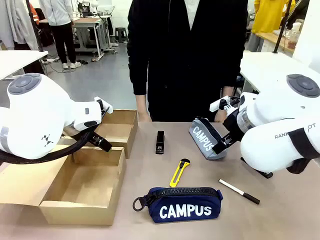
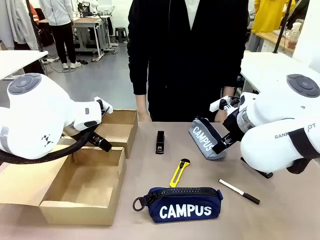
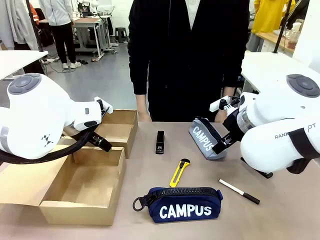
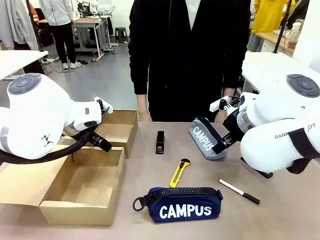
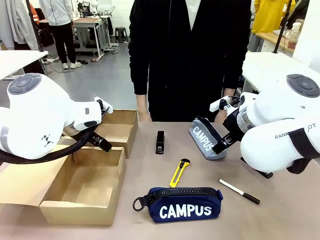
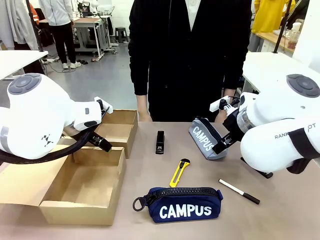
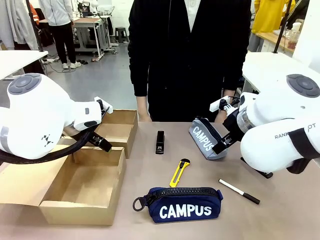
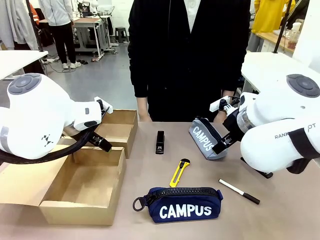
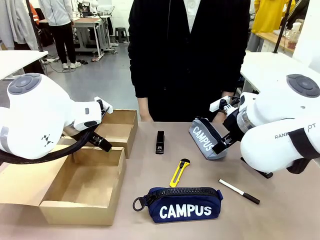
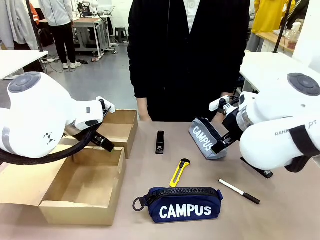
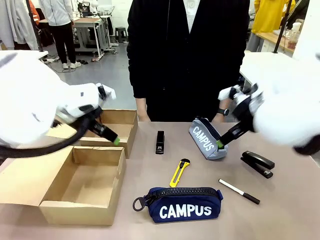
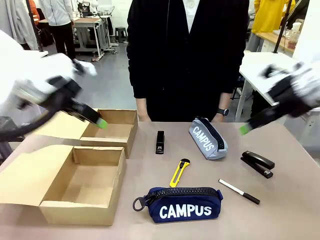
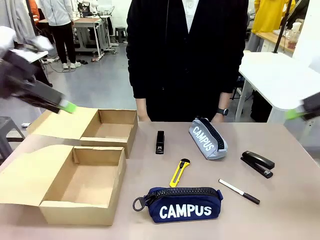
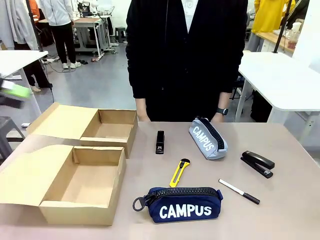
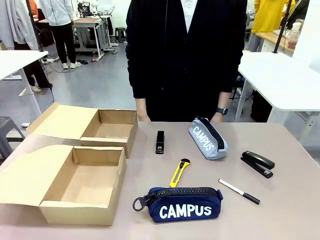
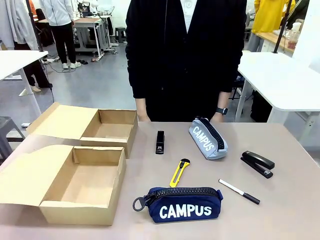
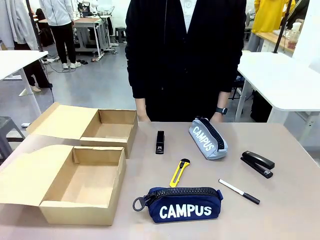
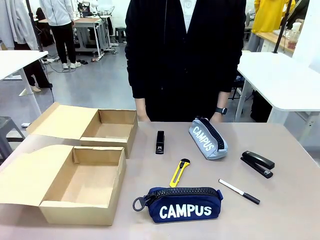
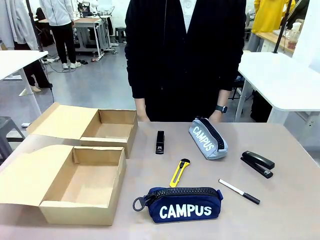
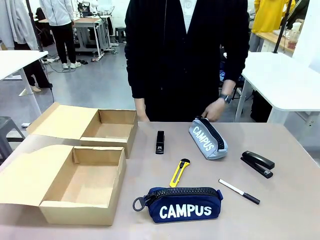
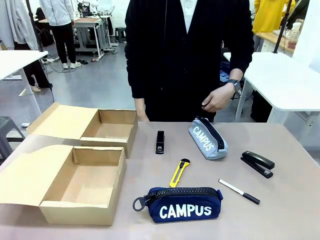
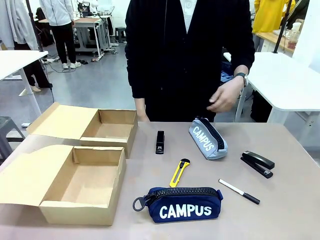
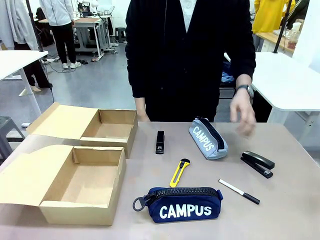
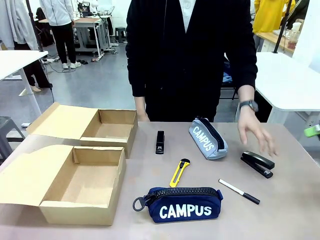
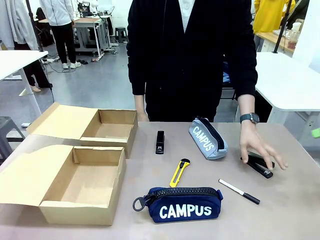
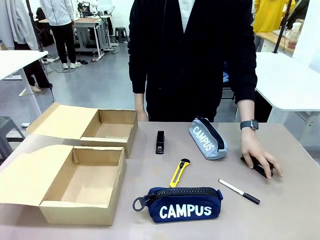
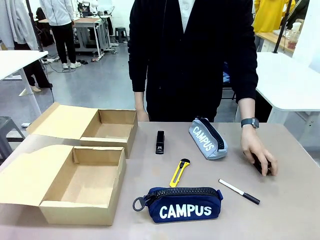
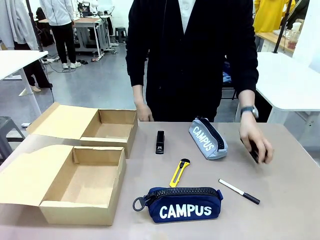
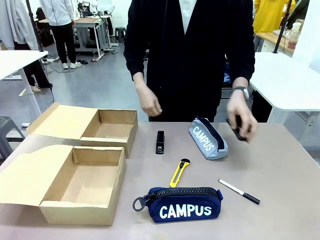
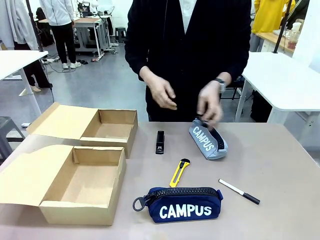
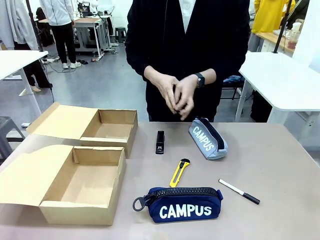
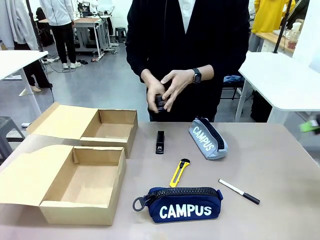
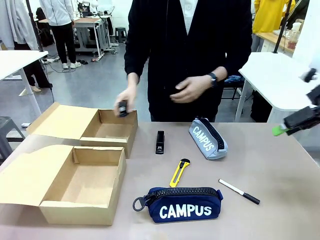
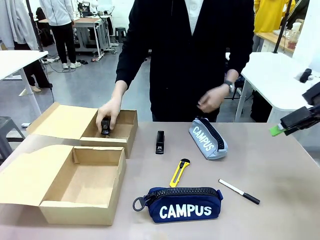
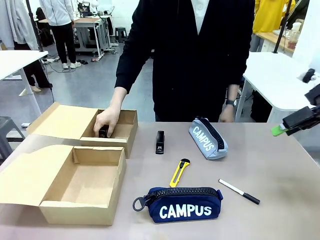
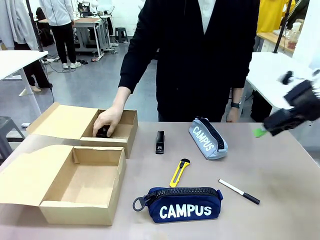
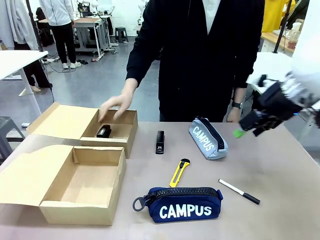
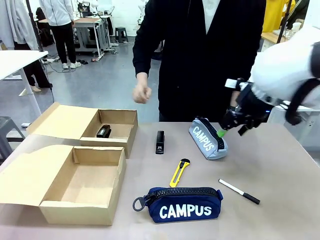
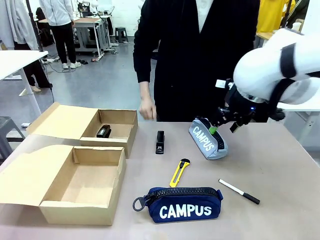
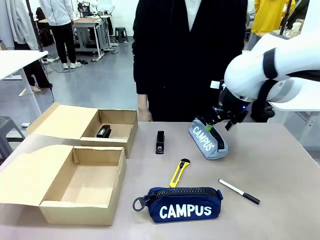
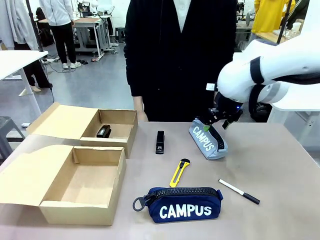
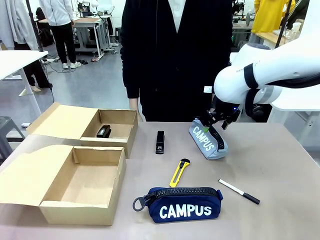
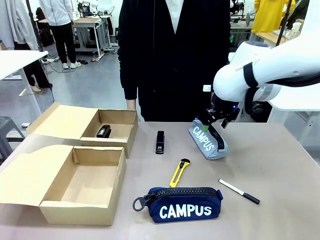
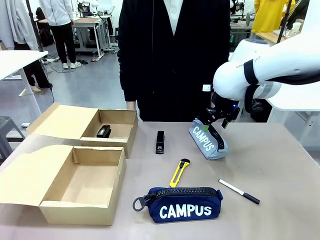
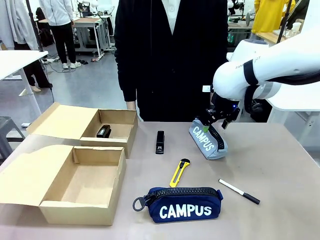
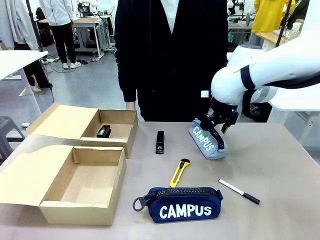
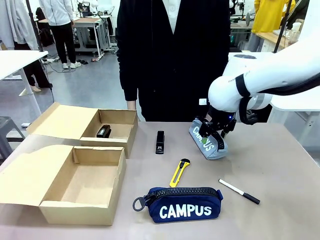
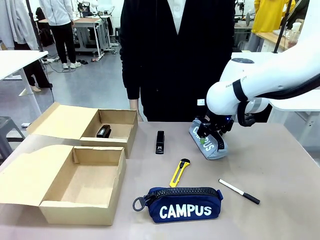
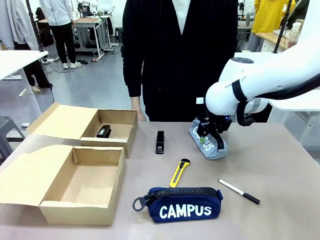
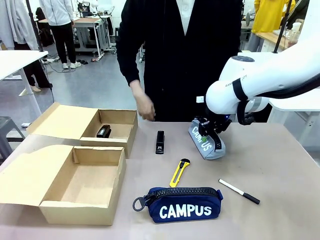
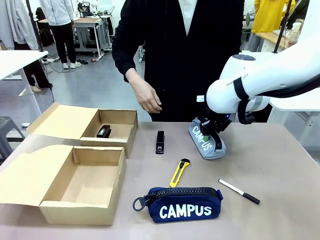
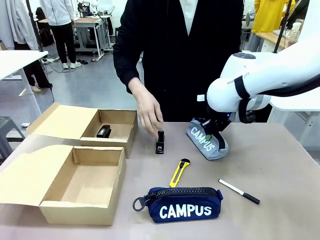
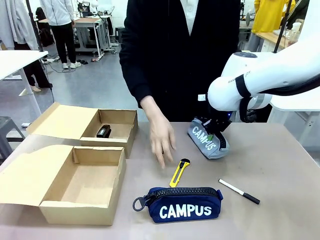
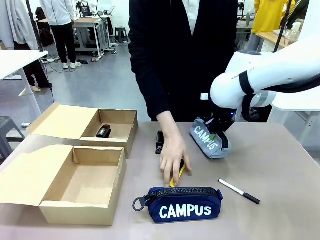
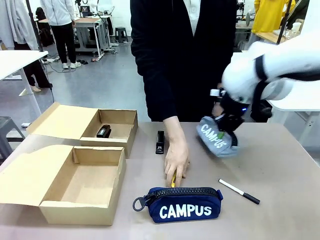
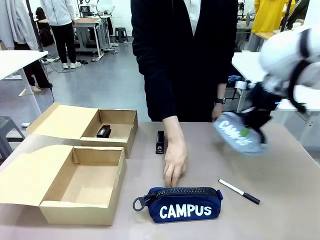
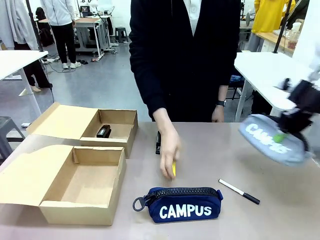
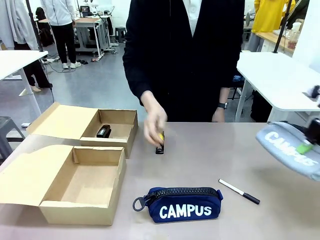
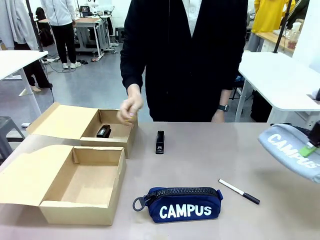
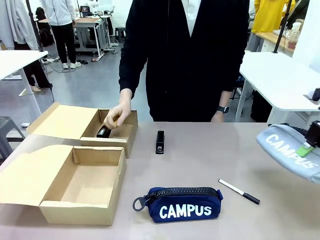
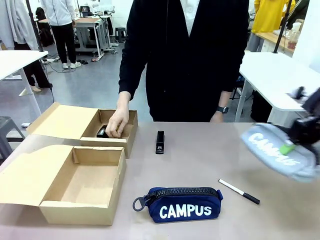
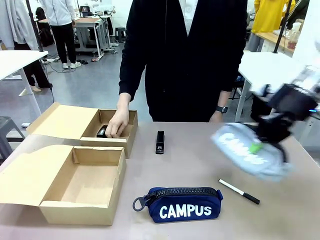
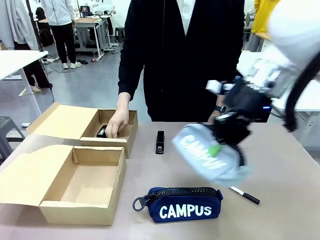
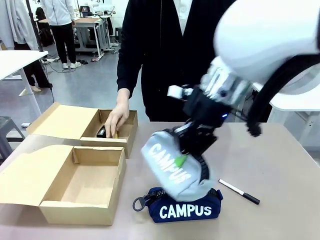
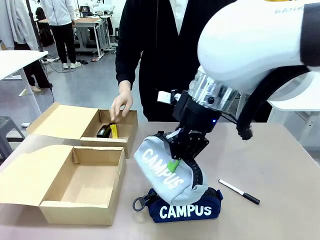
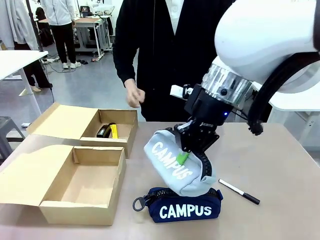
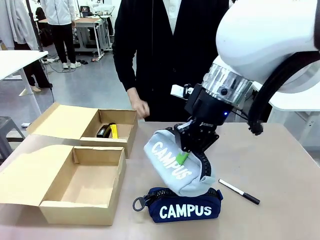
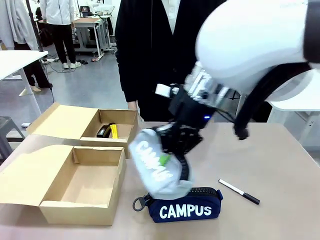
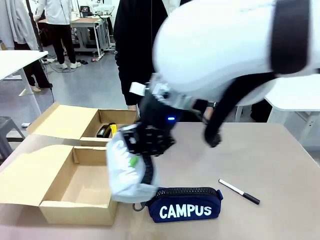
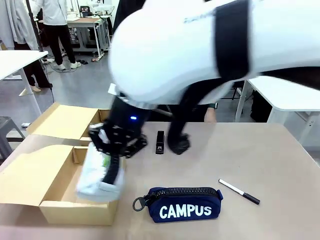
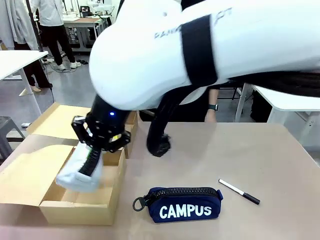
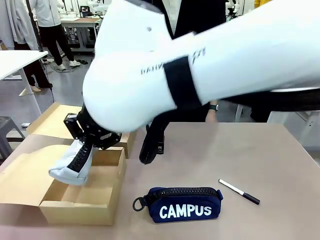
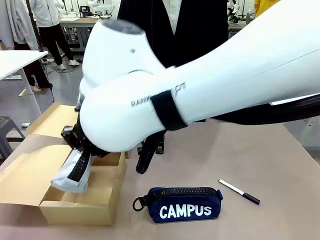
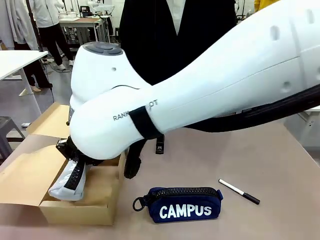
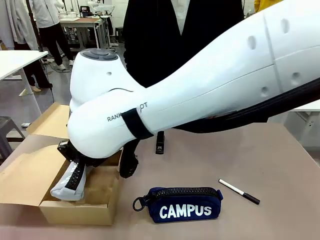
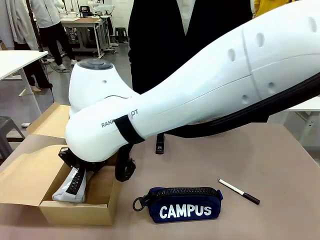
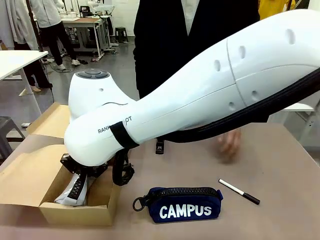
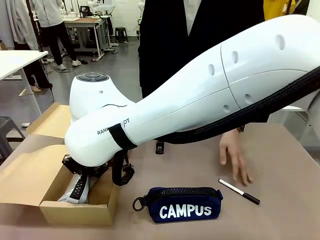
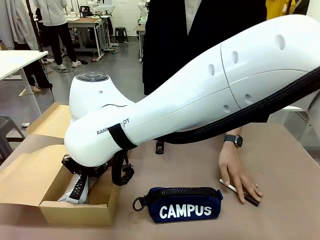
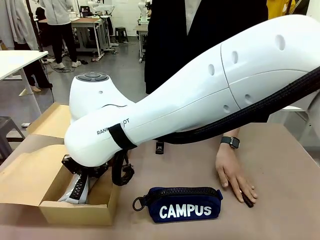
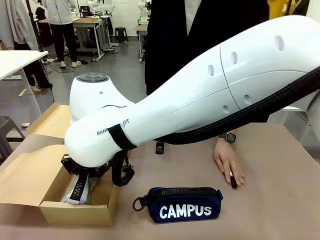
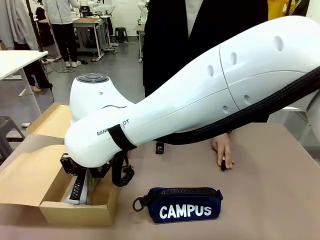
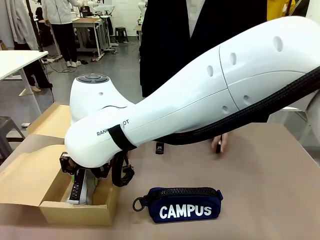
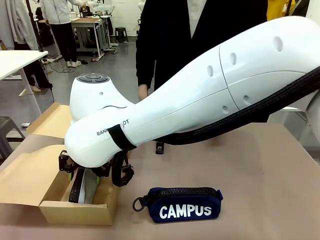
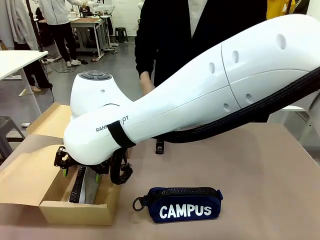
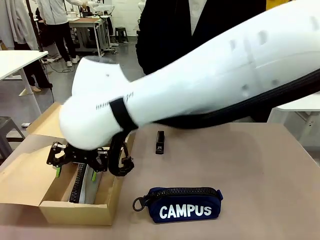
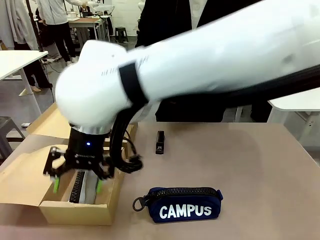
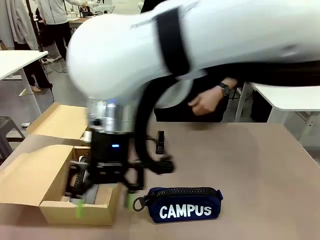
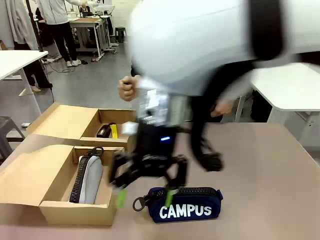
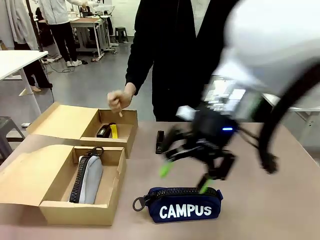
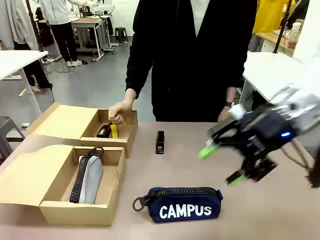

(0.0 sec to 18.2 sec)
Task: Place items inside the box.
Robot: Pick up a Pencil pouch or Stapler and place it inside the Mailer Box closest to the robot.
Person: Pick up an object on the table and put it in the box.
